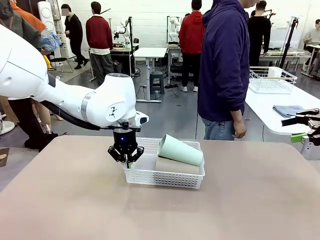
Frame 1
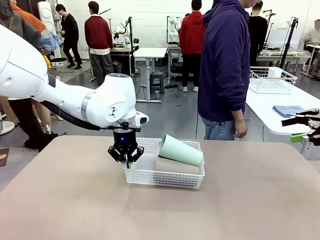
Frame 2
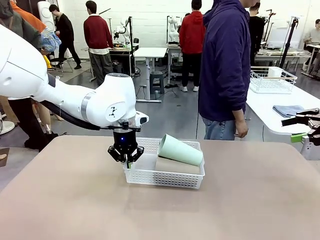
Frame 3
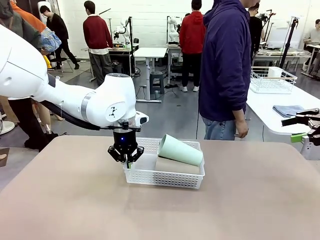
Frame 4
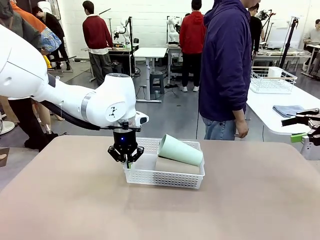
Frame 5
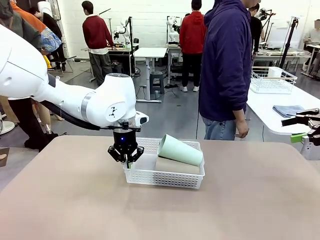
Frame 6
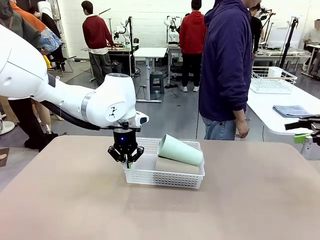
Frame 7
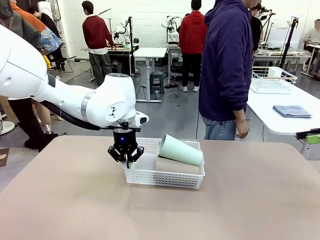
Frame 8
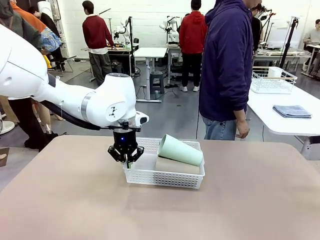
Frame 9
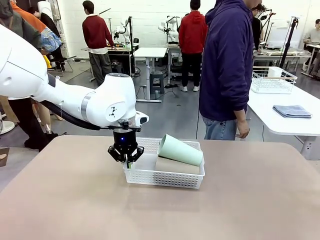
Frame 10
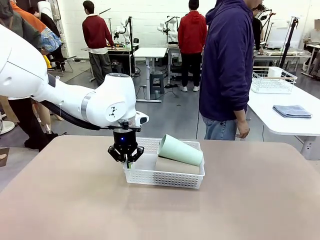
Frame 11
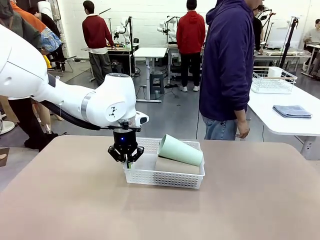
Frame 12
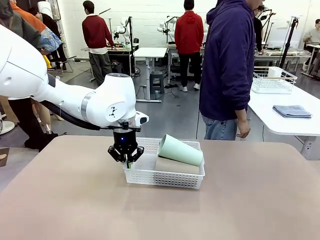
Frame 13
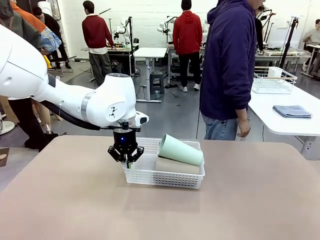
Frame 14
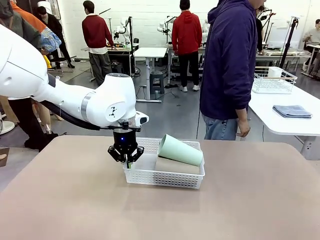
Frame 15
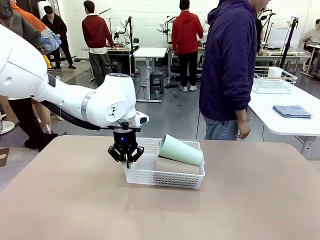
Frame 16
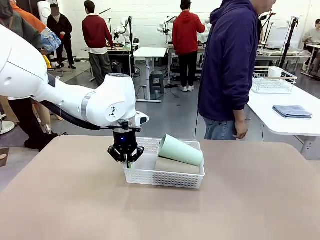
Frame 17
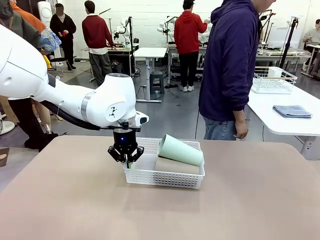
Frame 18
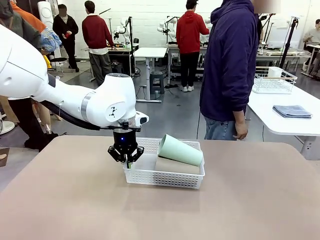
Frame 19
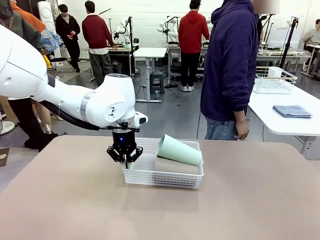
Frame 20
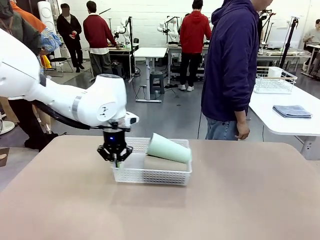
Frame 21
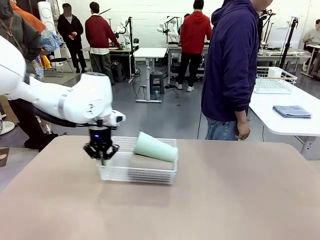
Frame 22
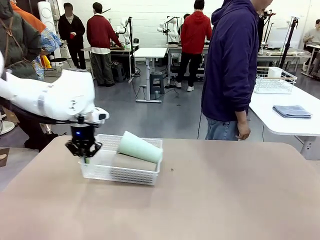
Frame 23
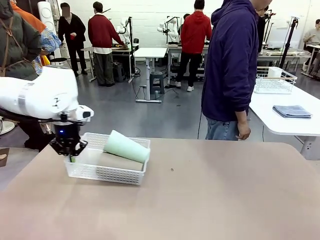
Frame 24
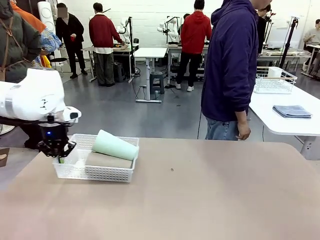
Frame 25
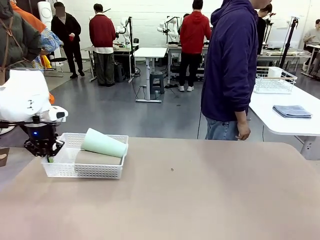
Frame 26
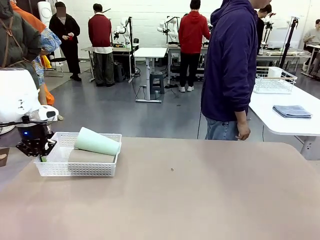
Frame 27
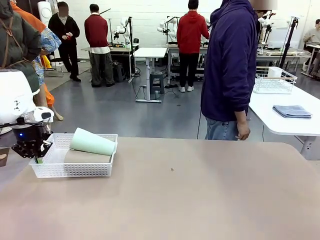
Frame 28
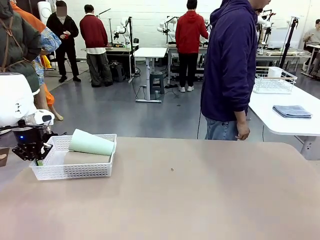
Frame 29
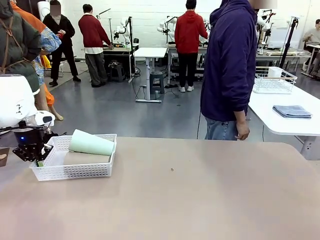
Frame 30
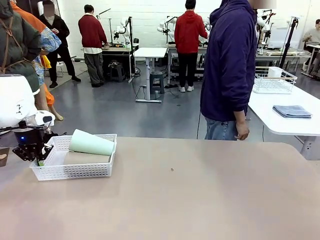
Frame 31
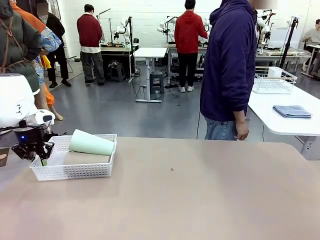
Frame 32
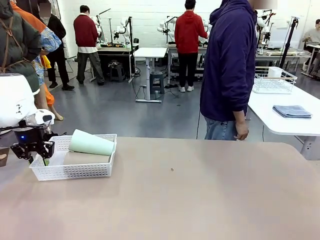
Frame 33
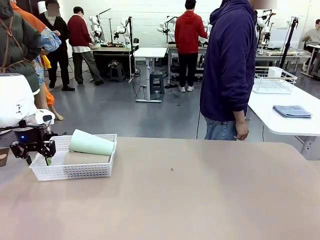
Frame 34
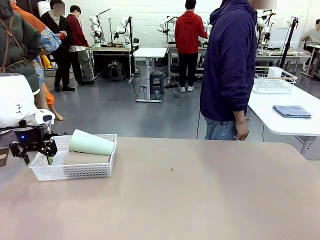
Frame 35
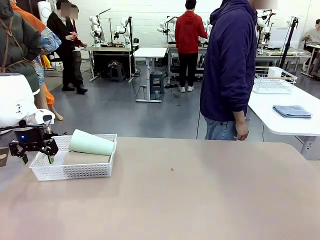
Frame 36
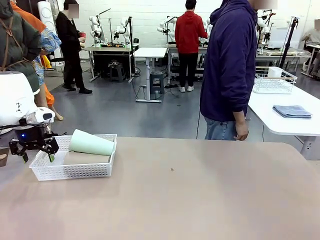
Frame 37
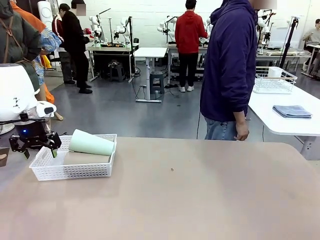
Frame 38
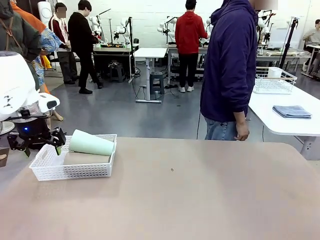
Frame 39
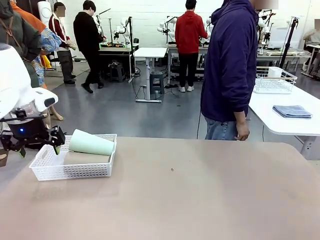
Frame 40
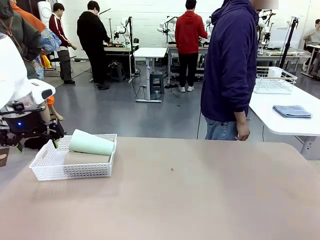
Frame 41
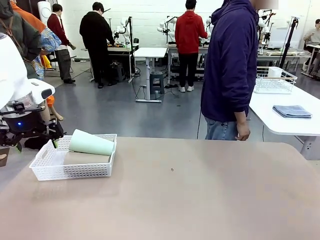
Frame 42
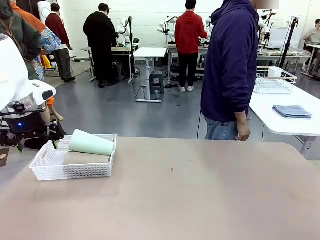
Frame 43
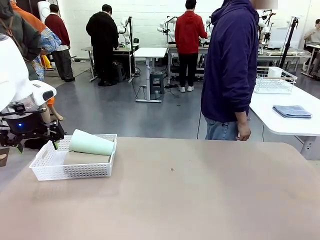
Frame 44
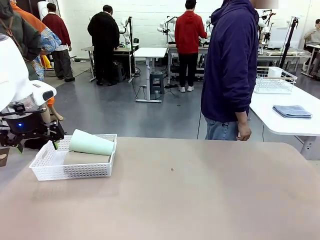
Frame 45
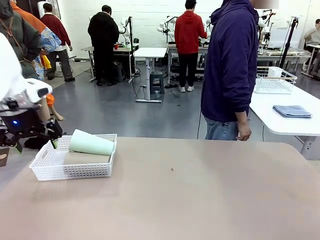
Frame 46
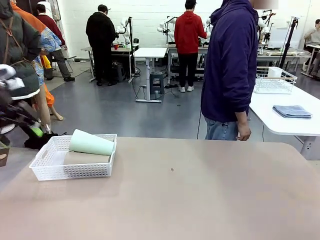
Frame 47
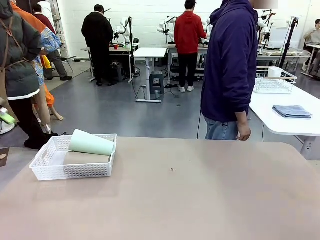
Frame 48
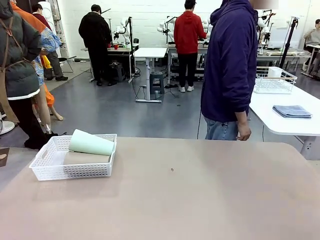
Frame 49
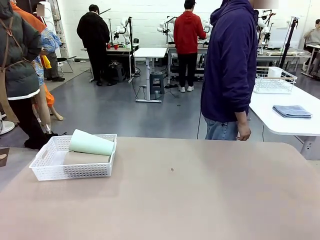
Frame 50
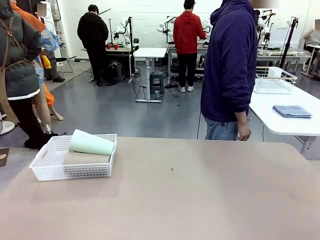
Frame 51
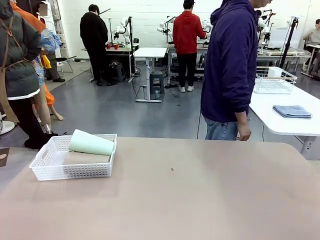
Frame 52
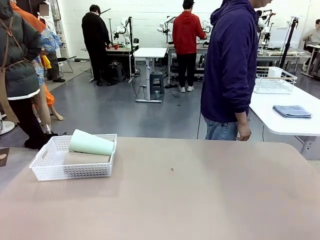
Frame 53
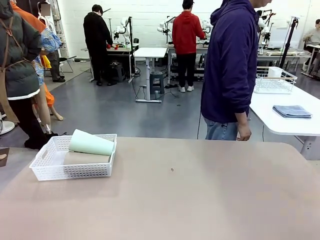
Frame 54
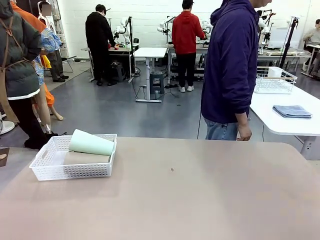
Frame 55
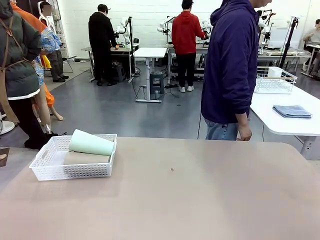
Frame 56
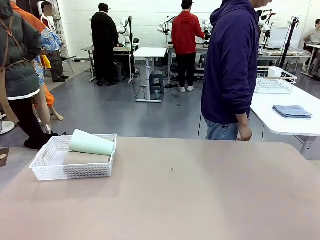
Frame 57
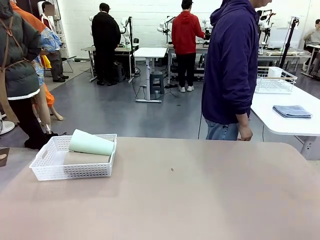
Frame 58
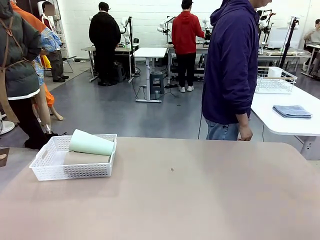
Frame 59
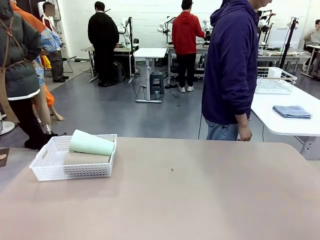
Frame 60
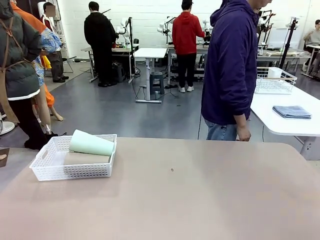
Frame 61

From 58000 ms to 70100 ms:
Task: Clean and organize the cups into the basket.
Robot: Move the Organizing basket back to the left side of the table.

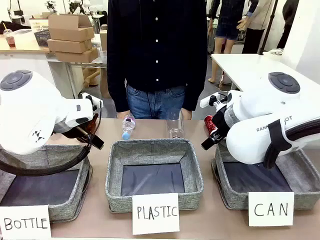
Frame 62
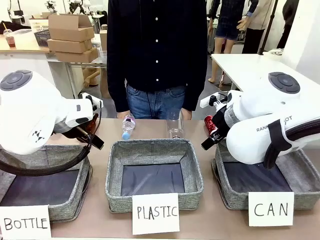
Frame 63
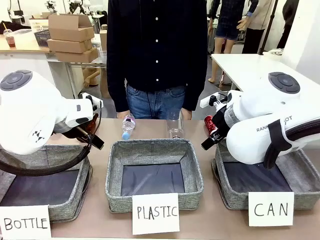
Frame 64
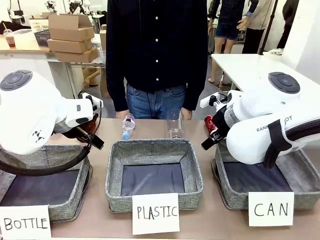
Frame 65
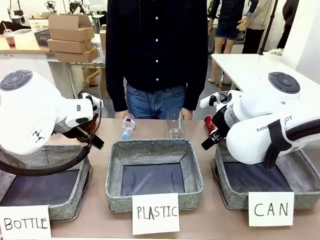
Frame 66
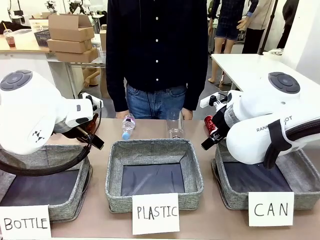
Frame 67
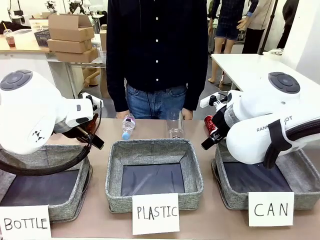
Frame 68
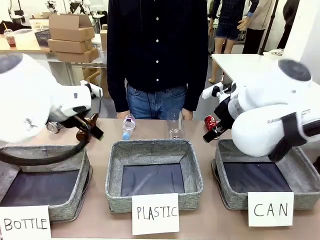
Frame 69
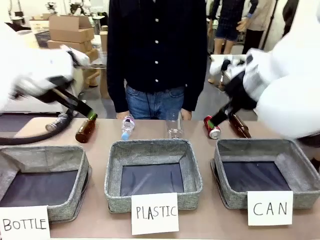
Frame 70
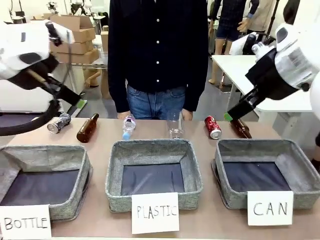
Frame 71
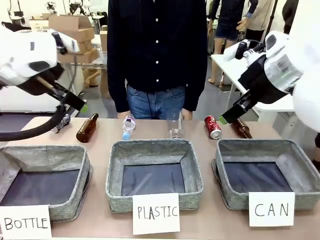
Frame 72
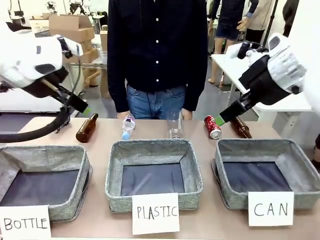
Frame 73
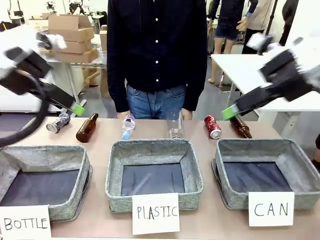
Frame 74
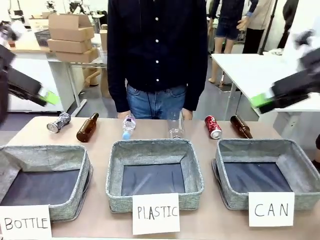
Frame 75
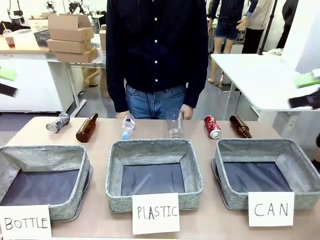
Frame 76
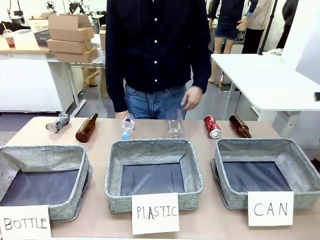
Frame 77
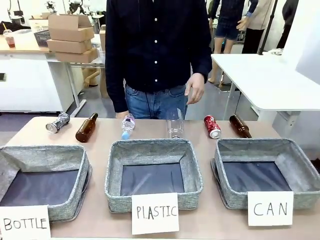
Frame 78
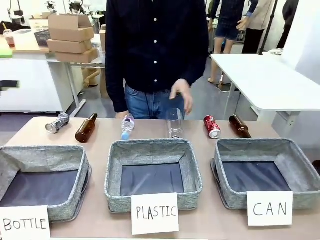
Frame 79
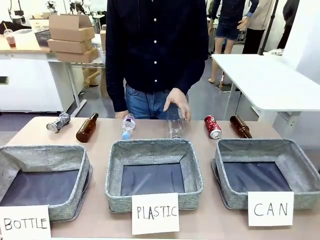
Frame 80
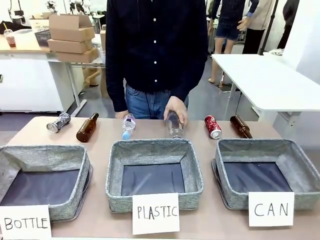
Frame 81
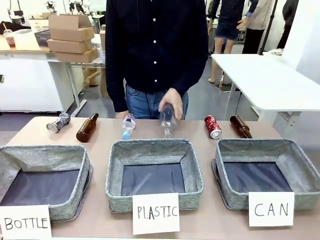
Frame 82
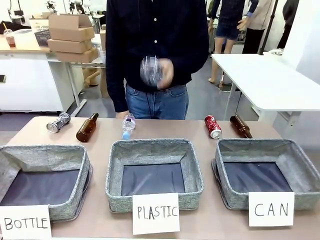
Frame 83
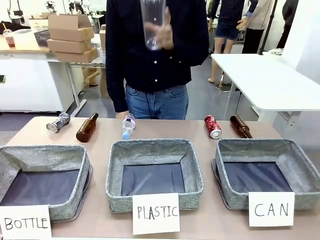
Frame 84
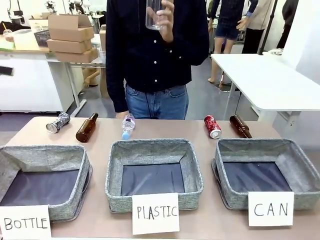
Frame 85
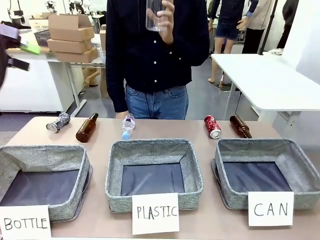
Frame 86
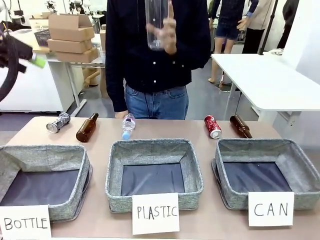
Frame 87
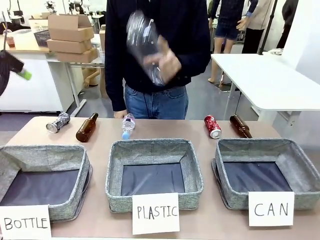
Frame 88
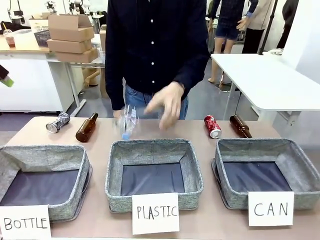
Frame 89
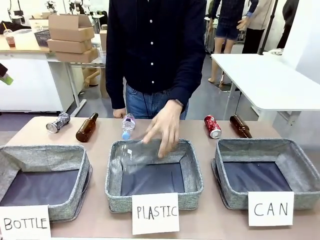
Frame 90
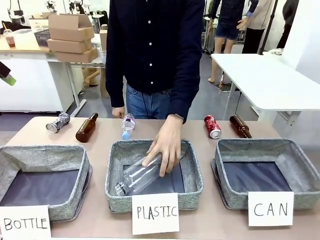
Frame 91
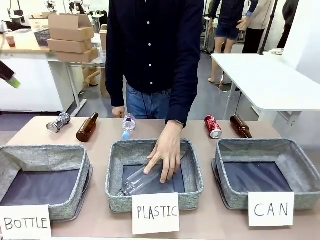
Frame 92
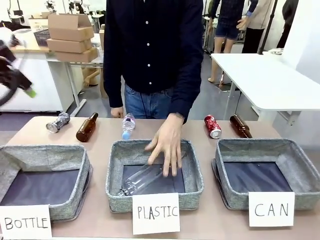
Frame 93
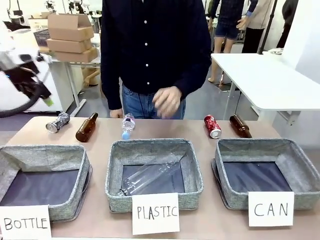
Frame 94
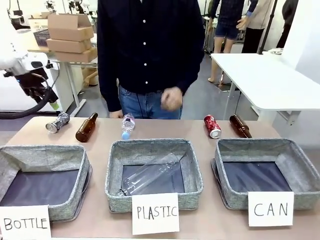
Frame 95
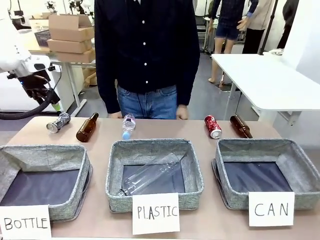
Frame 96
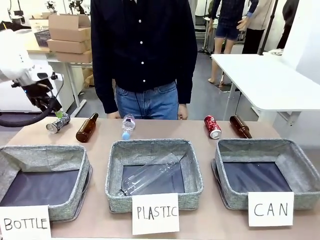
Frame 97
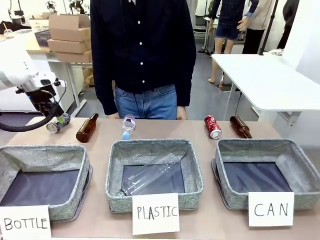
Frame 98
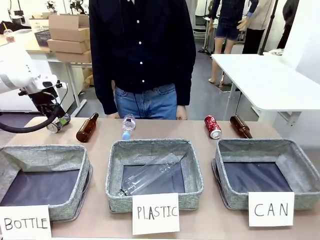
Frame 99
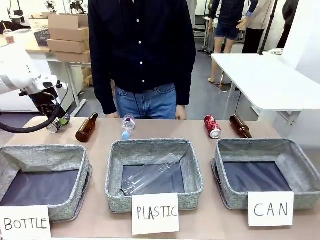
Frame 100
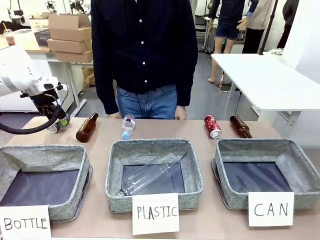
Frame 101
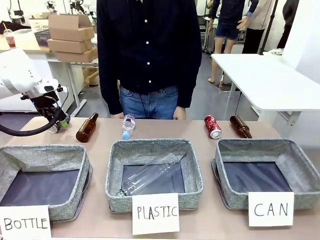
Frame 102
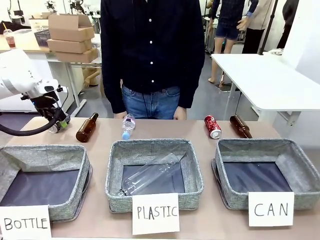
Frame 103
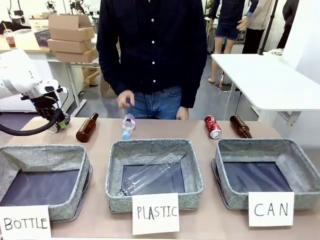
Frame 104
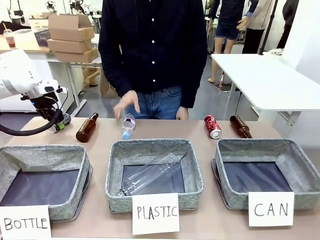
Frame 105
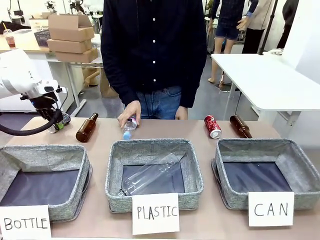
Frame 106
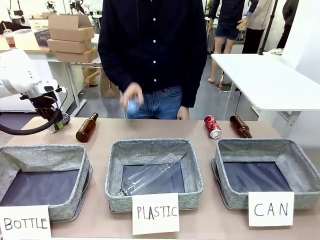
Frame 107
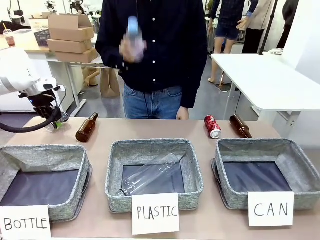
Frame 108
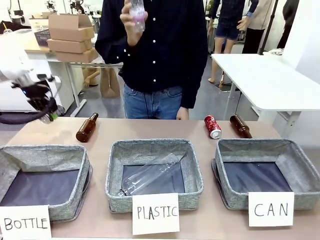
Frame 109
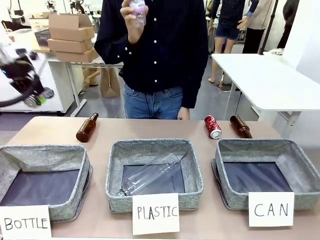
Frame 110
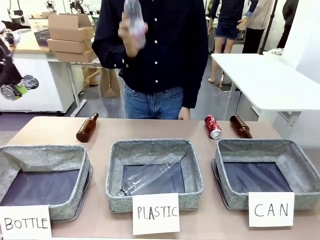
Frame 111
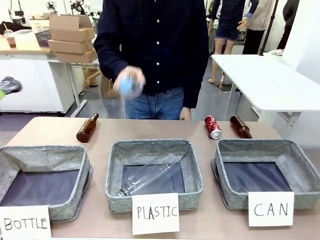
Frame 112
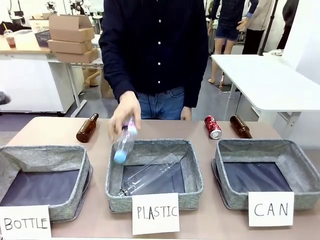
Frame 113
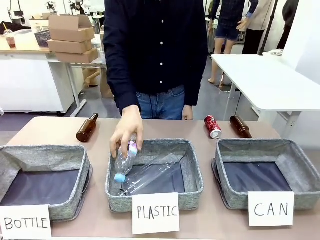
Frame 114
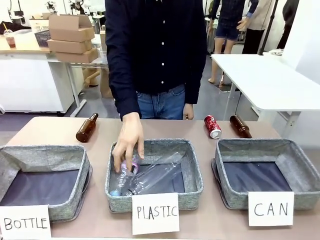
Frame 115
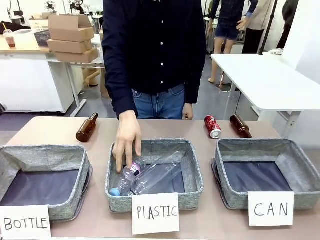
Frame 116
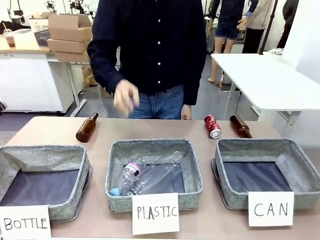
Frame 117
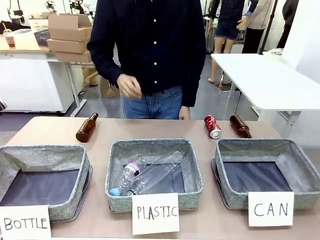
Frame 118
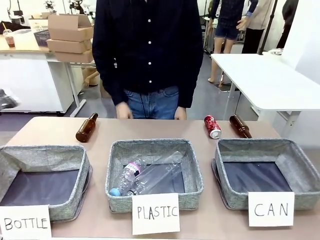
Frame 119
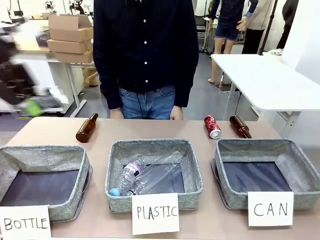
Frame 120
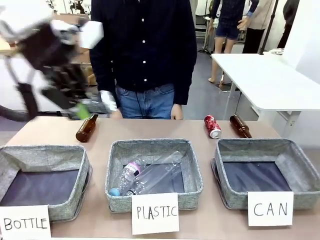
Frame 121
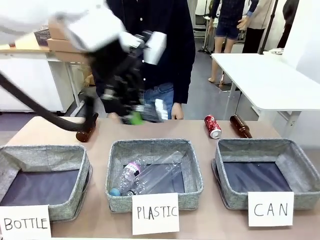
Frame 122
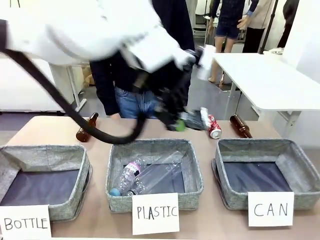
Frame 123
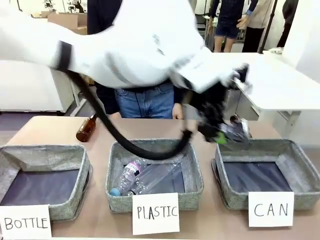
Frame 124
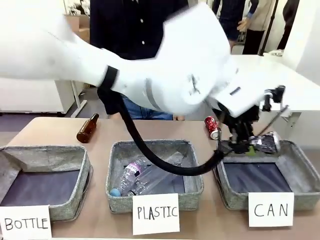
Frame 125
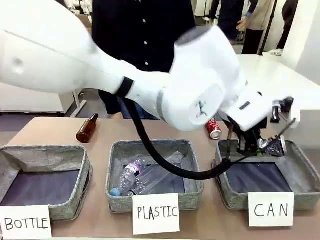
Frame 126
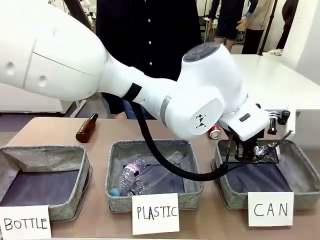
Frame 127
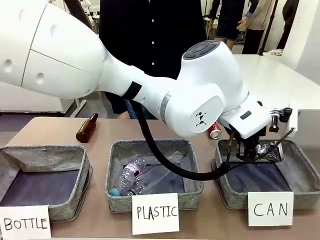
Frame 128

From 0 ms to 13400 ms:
Task: Sort the can waste into the basket.
Robot: Pick up the can waste from the table and place it in the right Fabric basket.
